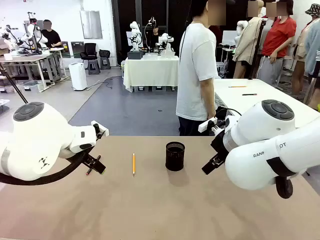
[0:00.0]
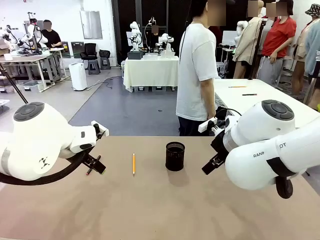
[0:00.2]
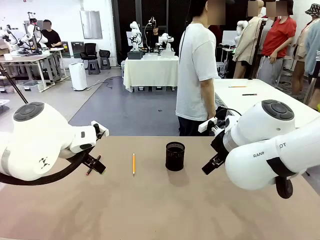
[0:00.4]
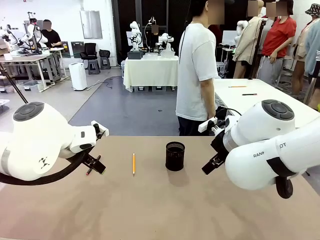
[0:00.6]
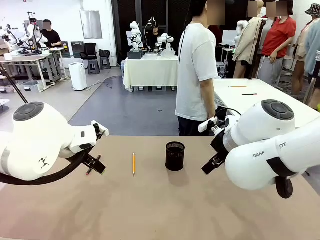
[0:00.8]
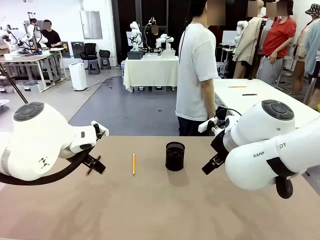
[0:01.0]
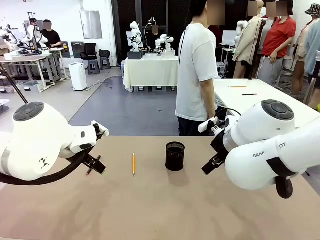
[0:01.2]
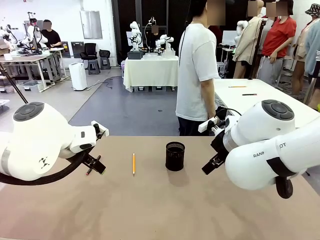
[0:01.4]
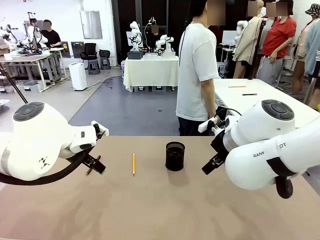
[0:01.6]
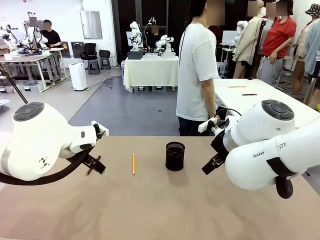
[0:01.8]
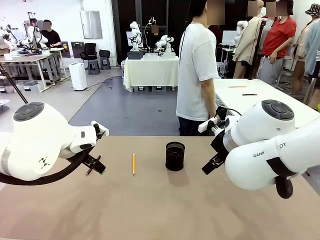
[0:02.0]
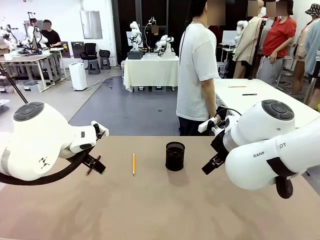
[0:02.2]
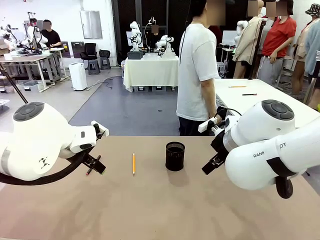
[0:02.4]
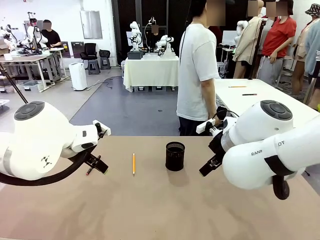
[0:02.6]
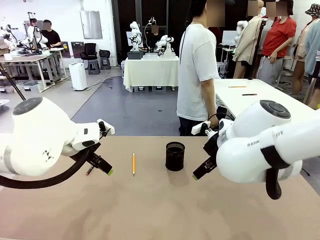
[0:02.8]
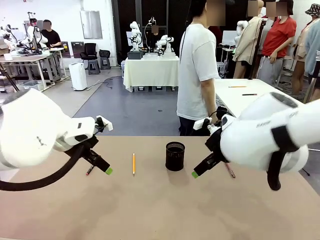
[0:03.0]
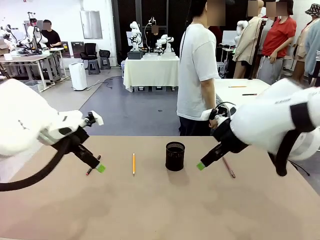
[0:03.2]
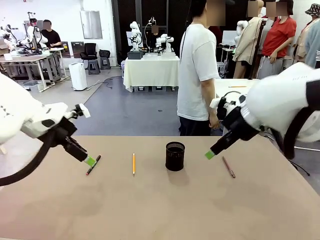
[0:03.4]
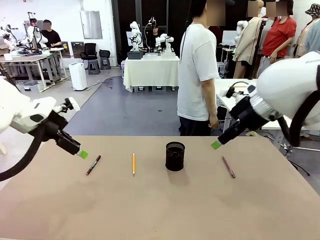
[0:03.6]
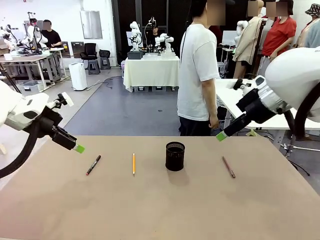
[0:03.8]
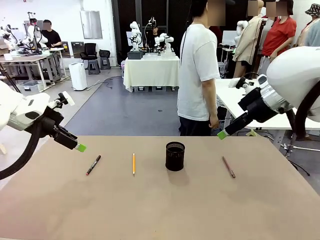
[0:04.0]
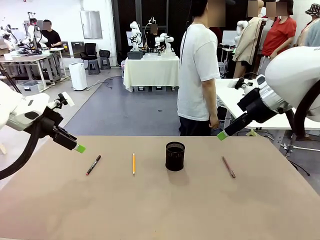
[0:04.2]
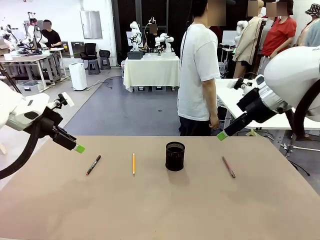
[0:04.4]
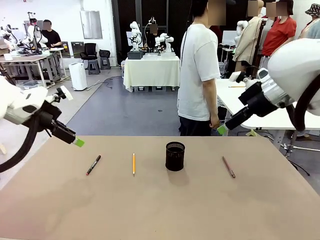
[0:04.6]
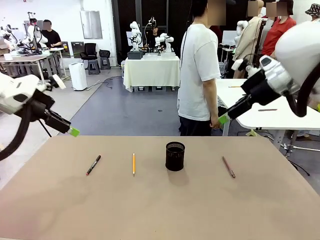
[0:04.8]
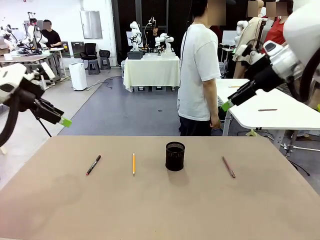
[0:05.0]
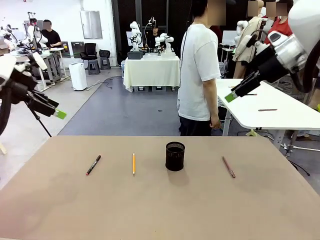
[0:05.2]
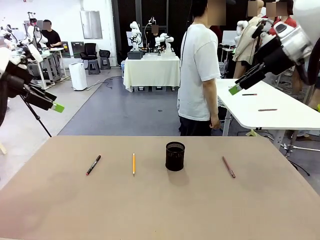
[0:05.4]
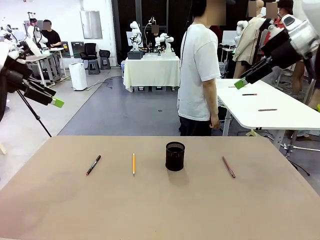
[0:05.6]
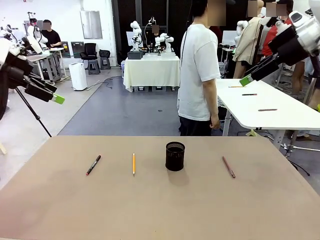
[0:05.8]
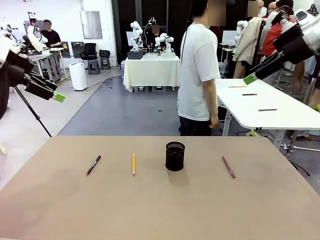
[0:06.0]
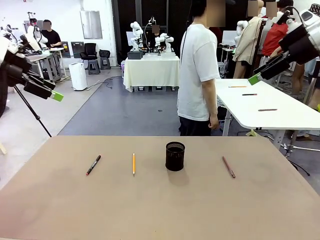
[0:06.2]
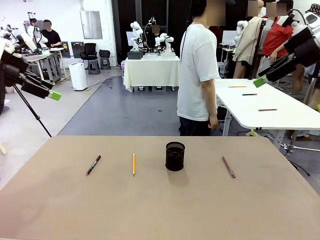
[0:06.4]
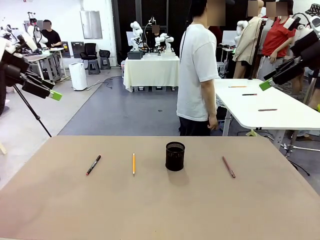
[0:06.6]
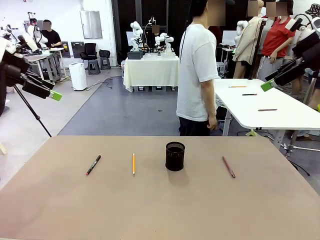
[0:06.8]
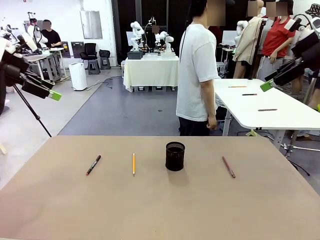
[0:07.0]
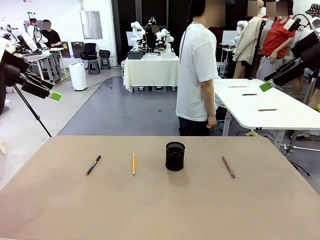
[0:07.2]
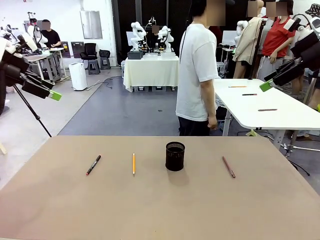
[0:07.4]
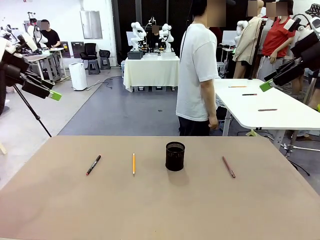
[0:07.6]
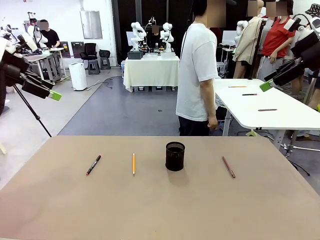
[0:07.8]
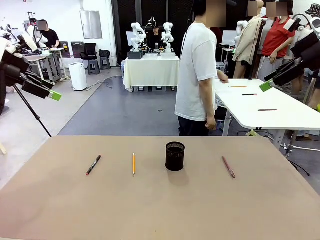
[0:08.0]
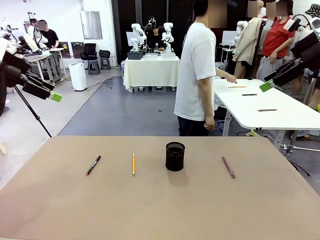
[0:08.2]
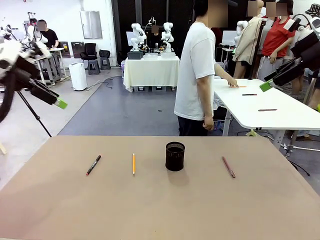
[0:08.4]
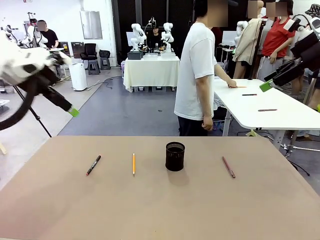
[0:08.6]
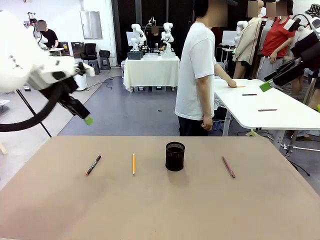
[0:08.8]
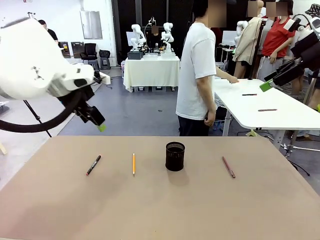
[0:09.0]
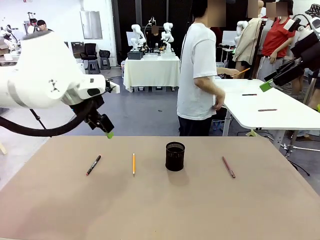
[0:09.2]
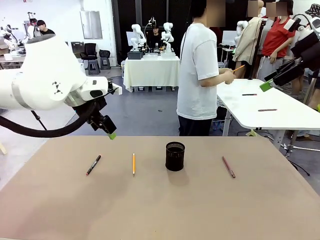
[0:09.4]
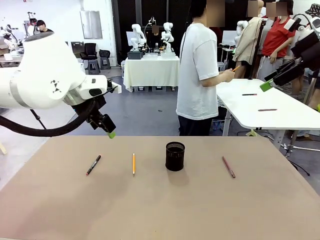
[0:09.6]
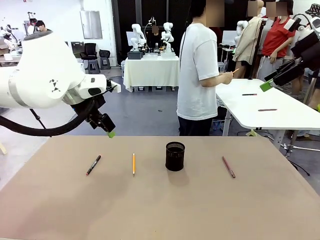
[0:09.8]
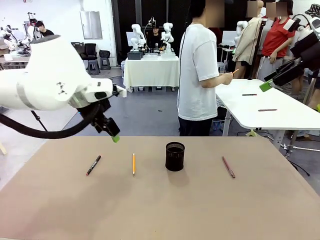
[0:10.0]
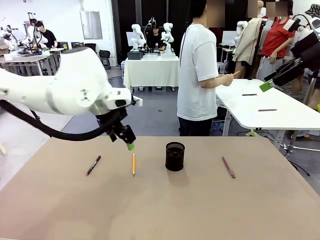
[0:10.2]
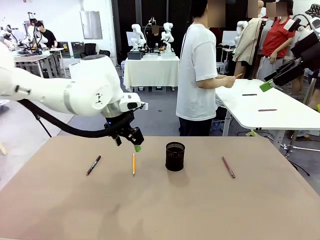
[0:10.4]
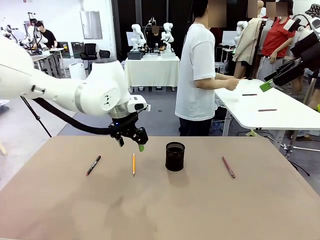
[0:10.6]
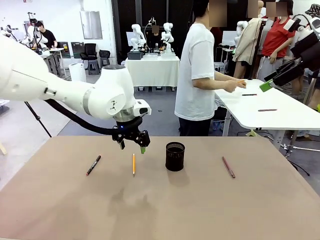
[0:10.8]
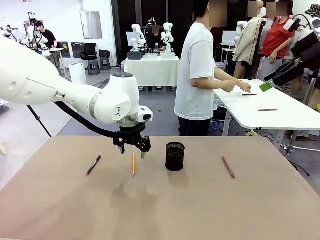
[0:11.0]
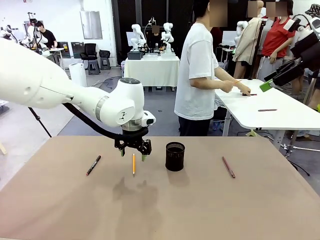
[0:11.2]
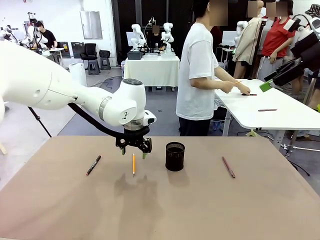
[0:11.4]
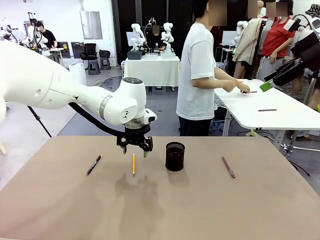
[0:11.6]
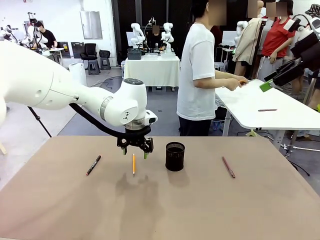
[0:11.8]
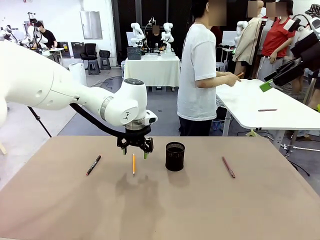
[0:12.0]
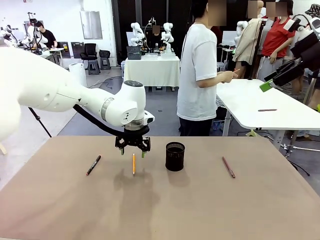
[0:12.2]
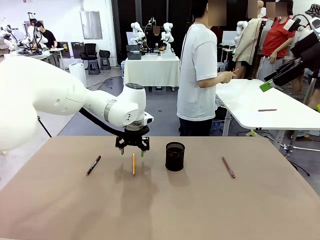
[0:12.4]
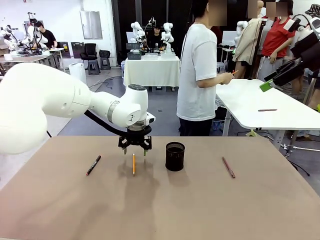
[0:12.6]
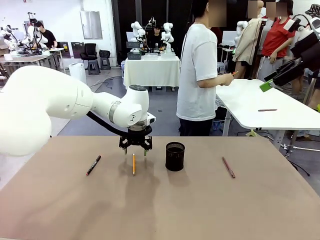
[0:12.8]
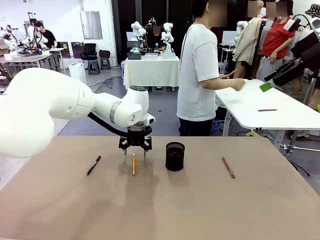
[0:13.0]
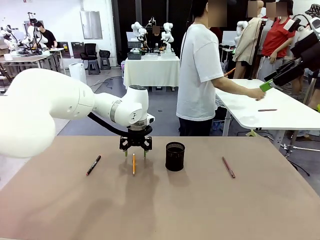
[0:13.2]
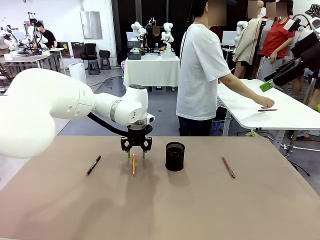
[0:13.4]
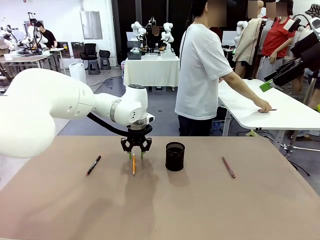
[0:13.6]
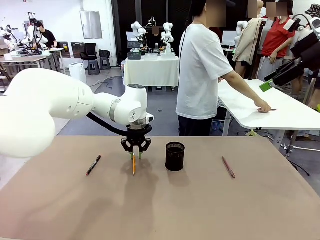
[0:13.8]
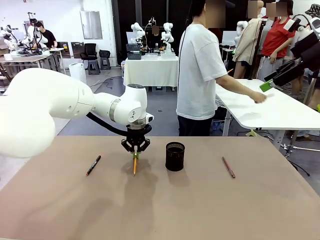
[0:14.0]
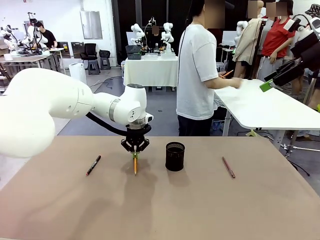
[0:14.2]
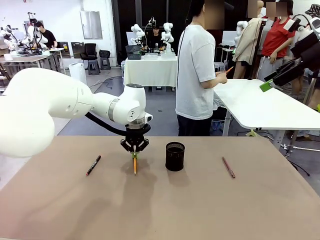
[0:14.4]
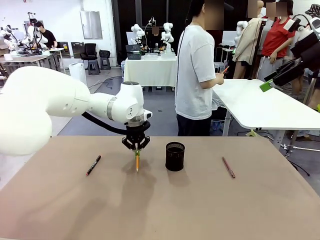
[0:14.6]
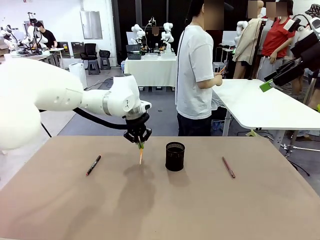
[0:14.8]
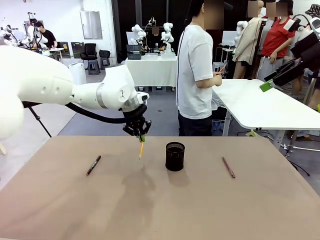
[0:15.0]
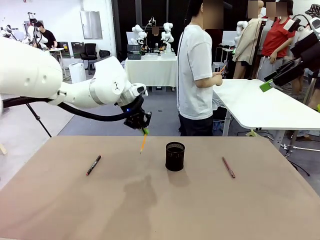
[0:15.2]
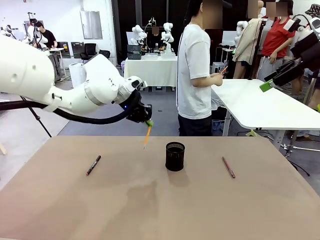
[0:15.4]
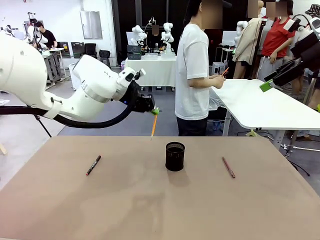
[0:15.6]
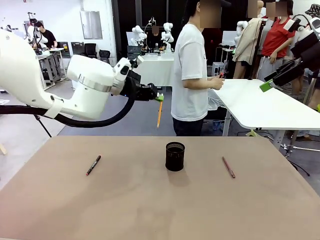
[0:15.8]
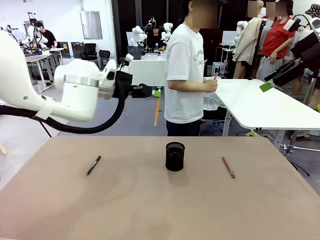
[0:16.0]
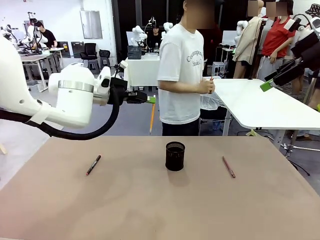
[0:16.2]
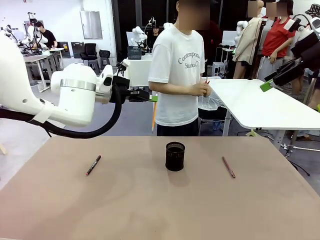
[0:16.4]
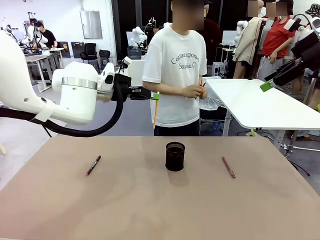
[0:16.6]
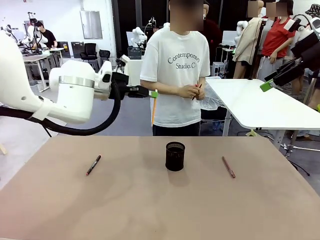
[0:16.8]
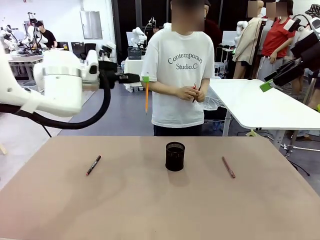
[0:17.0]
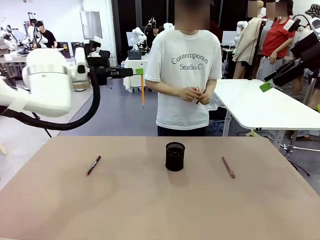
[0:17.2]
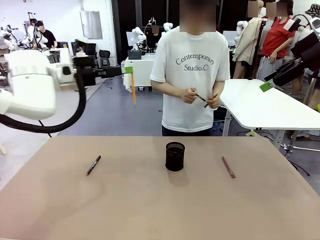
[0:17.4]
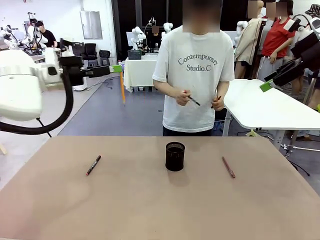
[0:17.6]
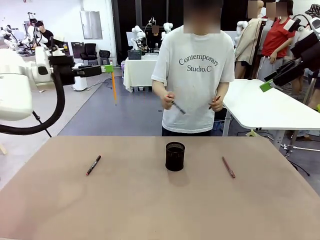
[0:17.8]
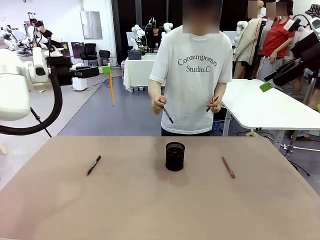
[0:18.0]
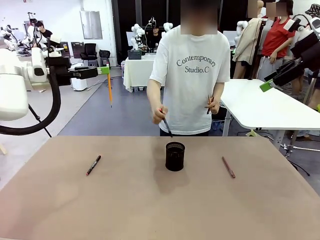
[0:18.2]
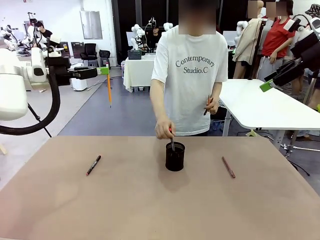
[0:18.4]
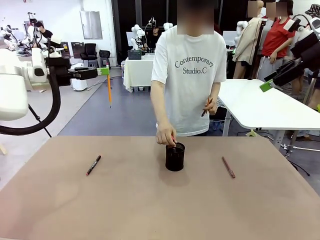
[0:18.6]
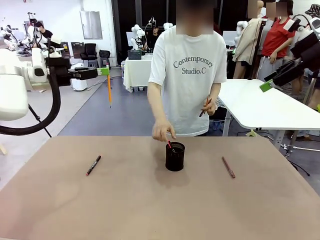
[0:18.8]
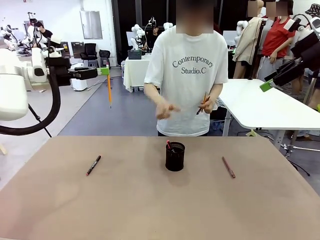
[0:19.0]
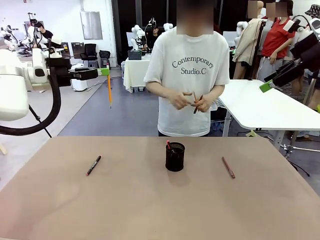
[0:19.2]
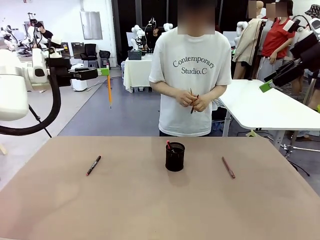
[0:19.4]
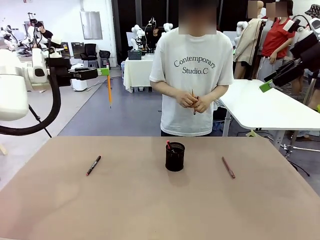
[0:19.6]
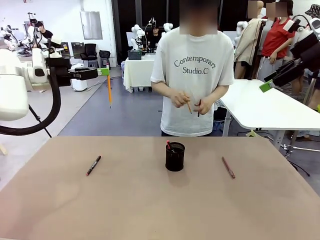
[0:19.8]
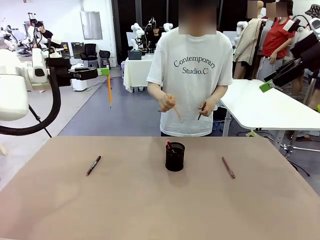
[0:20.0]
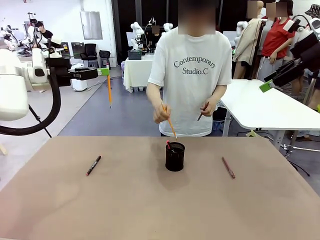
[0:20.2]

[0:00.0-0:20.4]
Task: Place the pens into the pen holder.
Robot: Pick up a writing instrument from the table and place it into the Pen holder.
Person: Pick up all writing instruments from the Human table.
